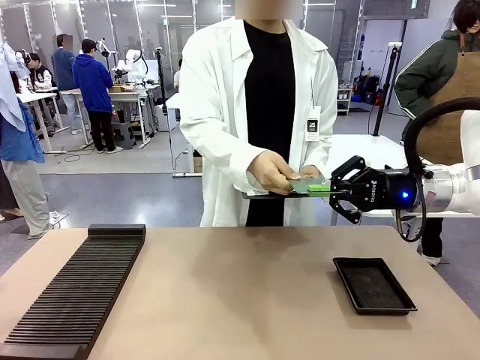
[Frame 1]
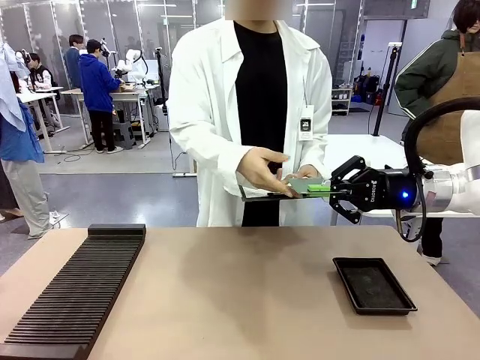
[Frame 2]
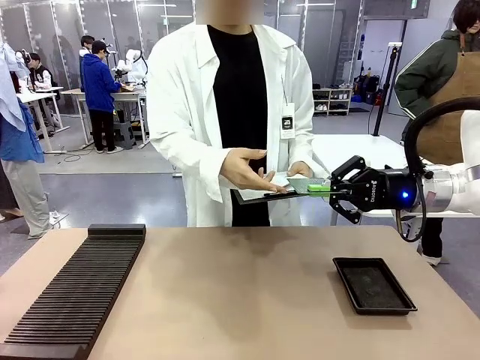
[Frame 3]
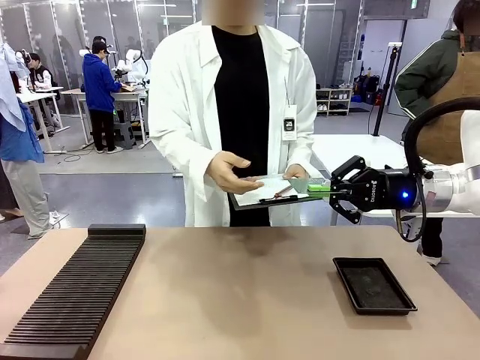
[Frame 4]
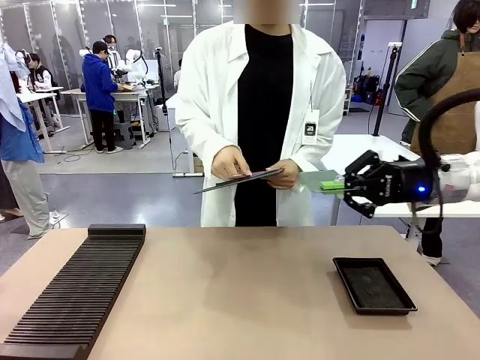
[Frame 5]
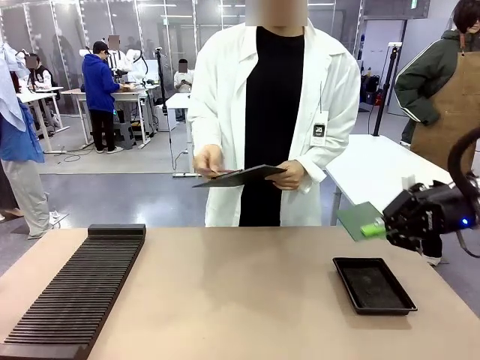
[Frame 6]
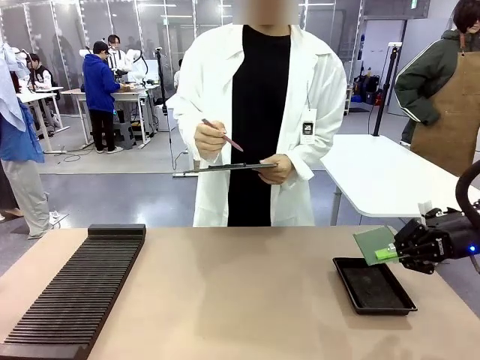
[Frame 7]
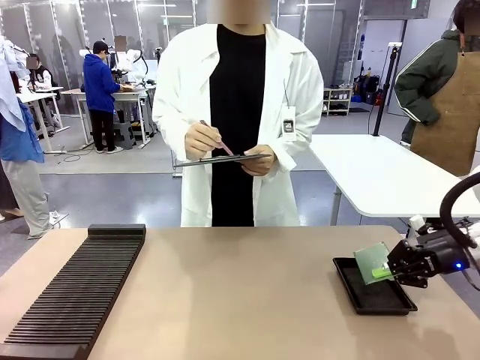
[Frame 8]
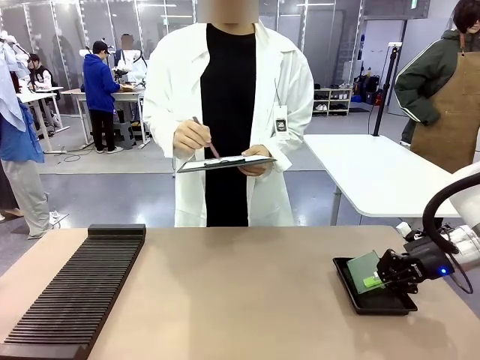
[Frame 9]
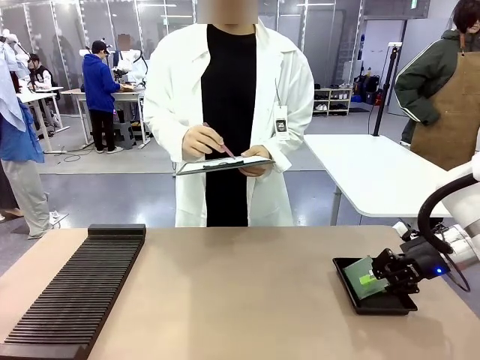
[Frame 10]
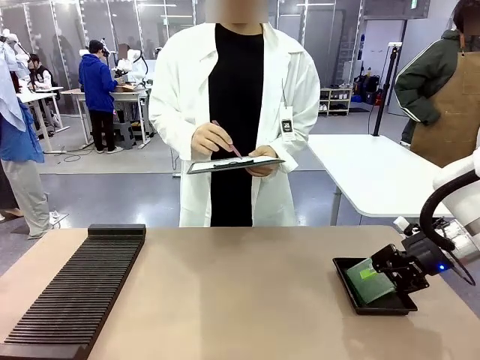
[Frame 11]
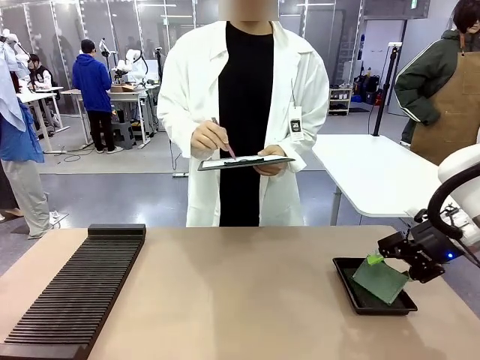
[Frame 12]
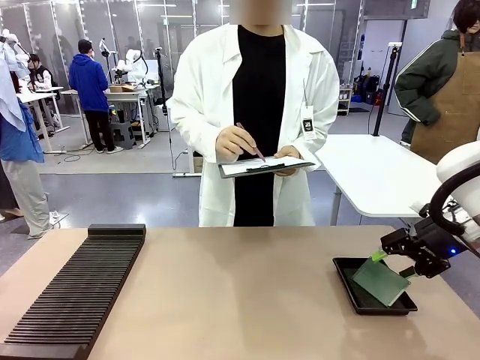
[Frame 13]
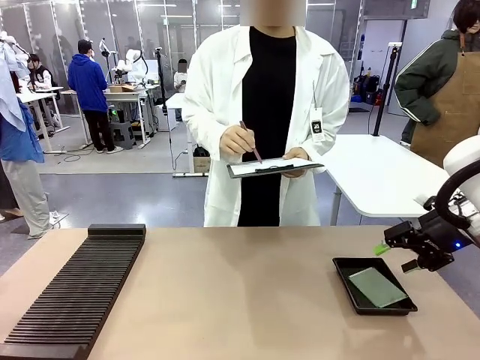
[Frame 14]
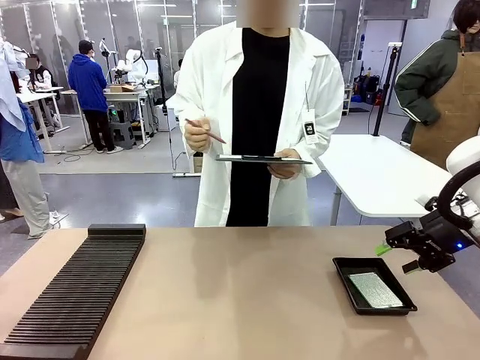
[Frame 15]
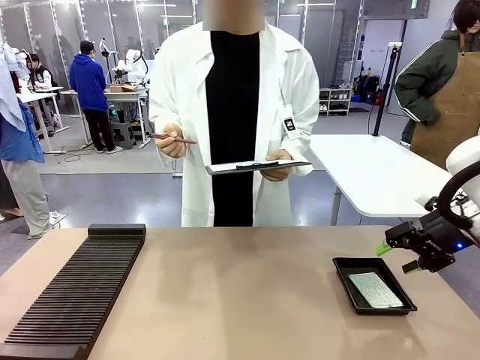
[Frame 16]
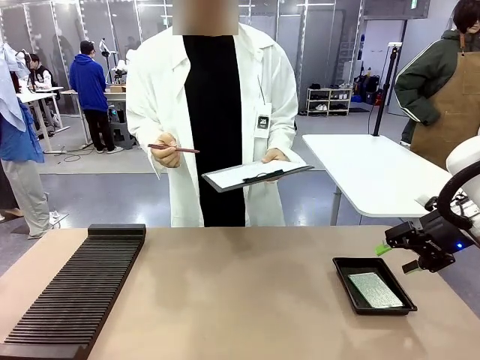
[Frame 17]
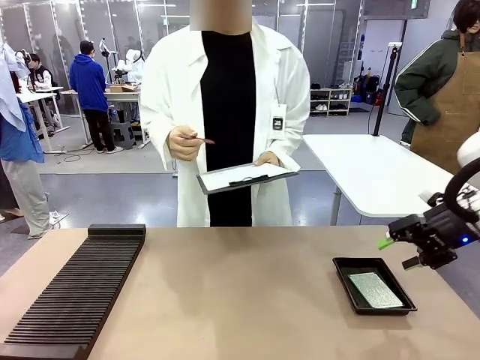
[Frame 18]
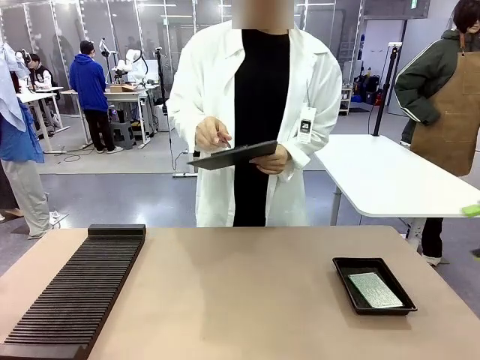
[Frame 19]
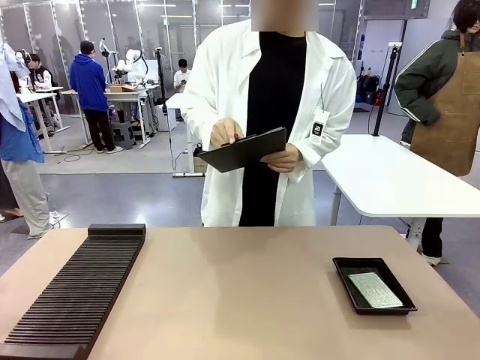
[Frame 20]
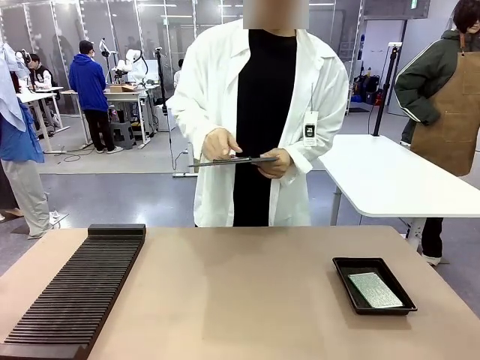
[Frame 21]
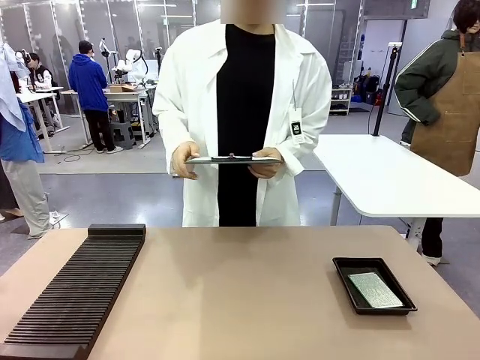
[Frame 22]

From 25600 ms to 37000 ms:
Task: Inspect the PCB.
Robot: Place the Blank PCB in the ESD tray.
Person: Record the PCB status on the paper.

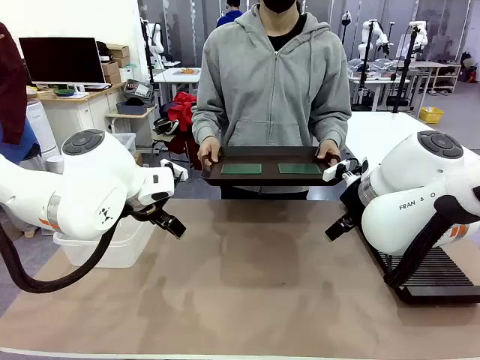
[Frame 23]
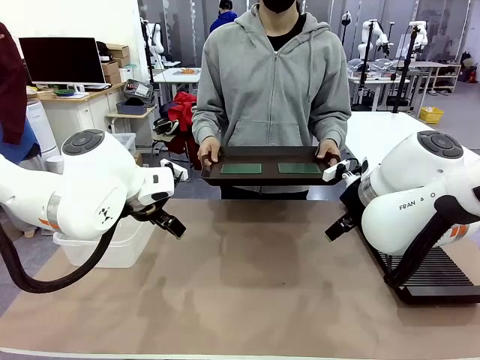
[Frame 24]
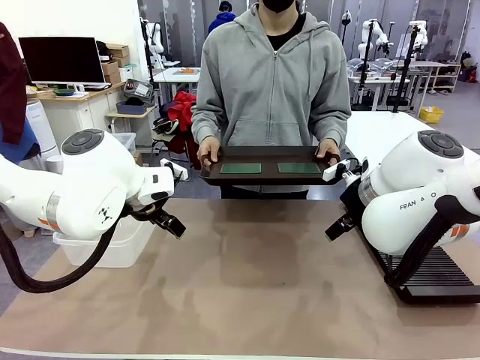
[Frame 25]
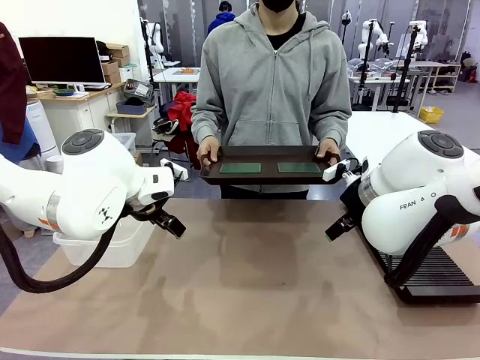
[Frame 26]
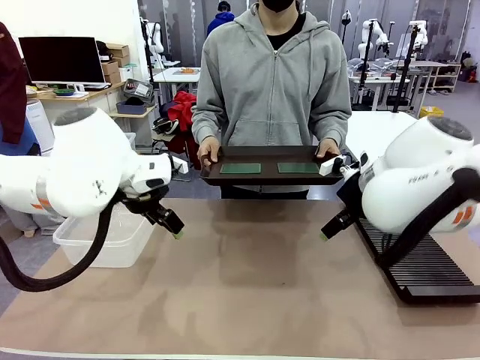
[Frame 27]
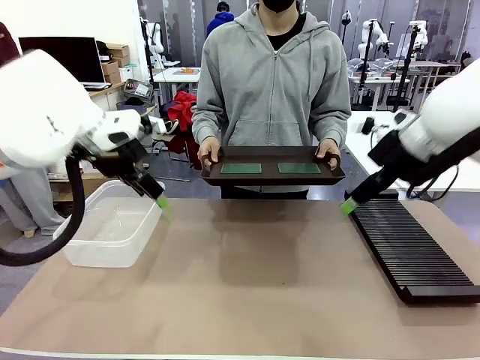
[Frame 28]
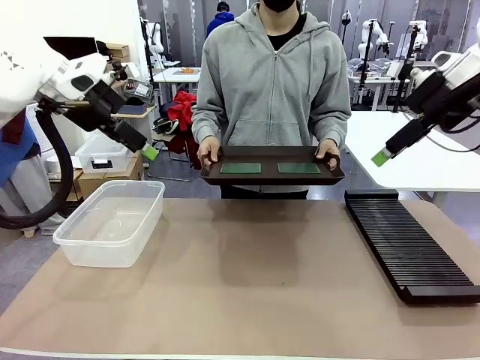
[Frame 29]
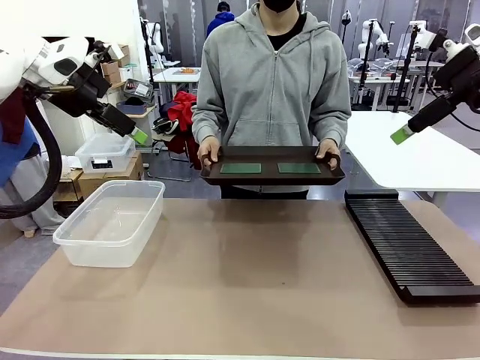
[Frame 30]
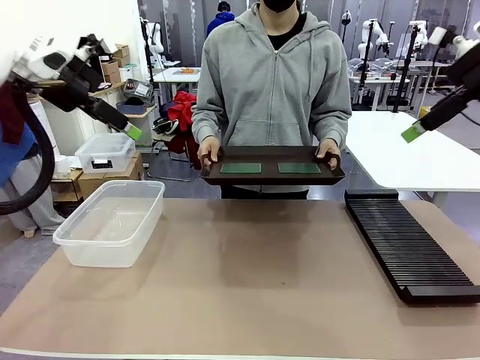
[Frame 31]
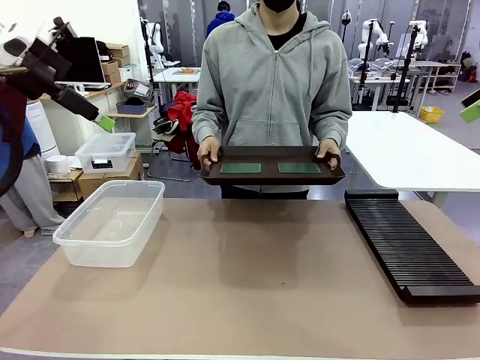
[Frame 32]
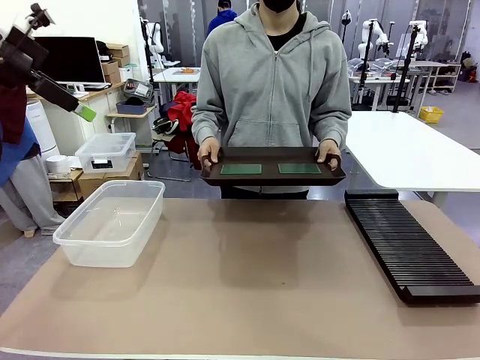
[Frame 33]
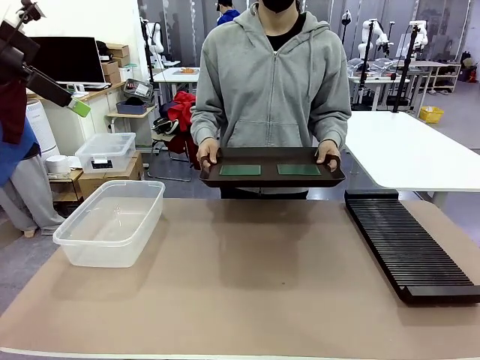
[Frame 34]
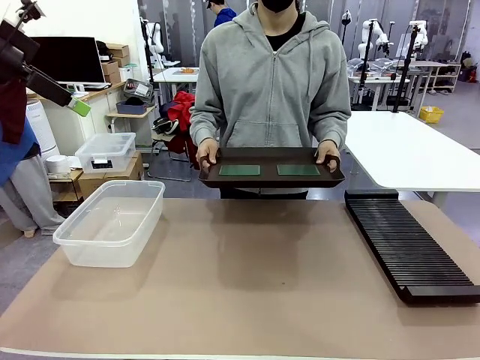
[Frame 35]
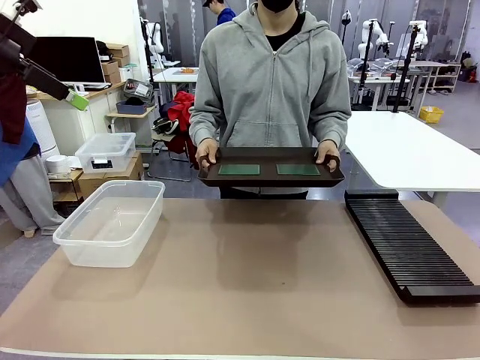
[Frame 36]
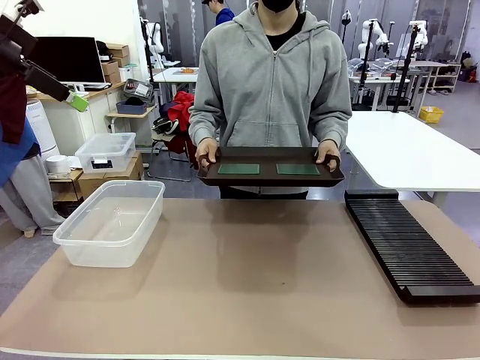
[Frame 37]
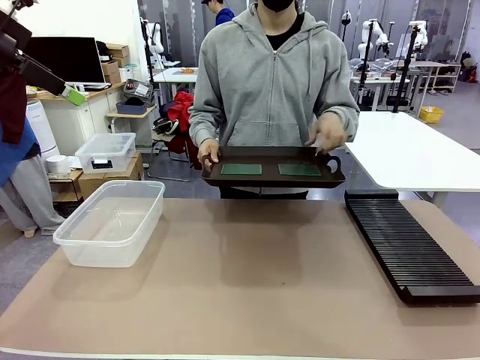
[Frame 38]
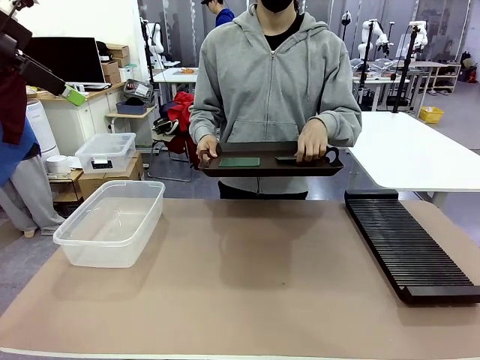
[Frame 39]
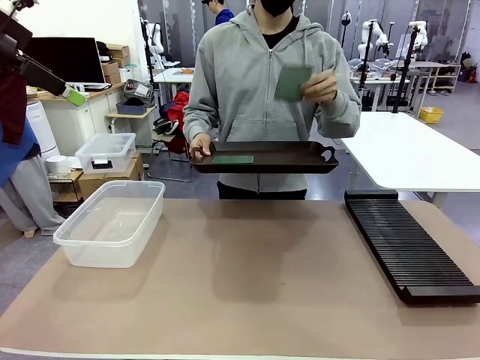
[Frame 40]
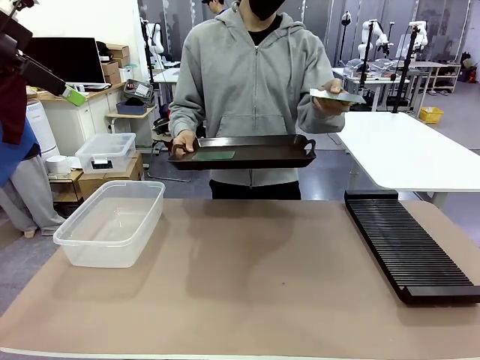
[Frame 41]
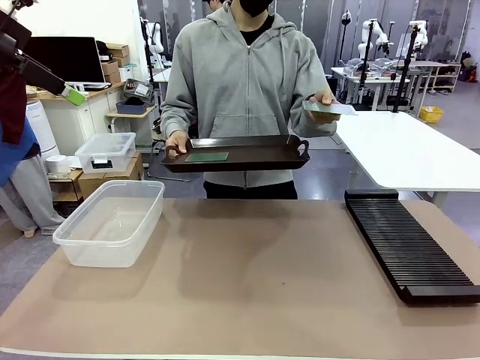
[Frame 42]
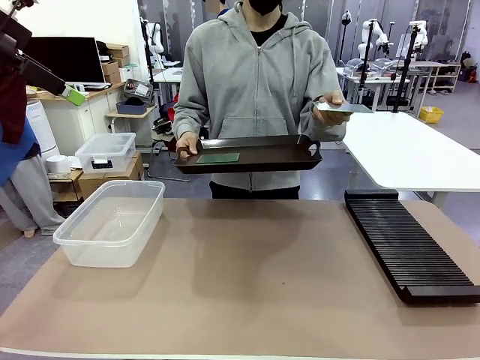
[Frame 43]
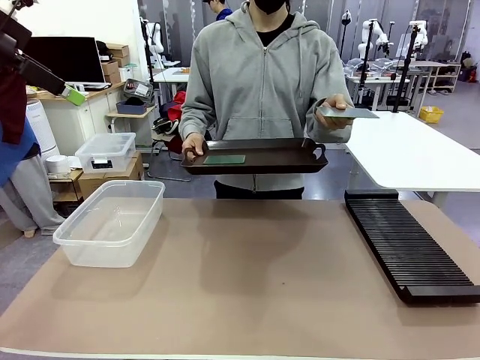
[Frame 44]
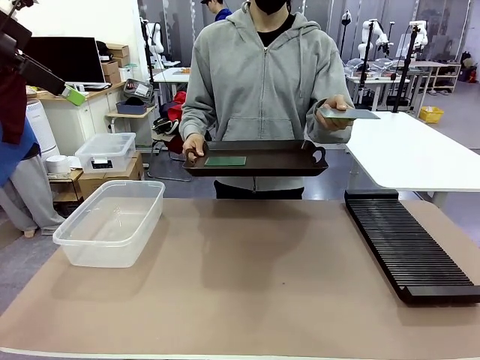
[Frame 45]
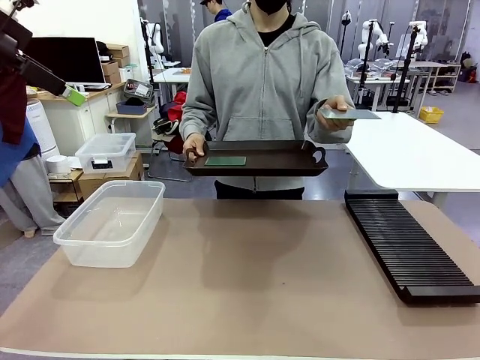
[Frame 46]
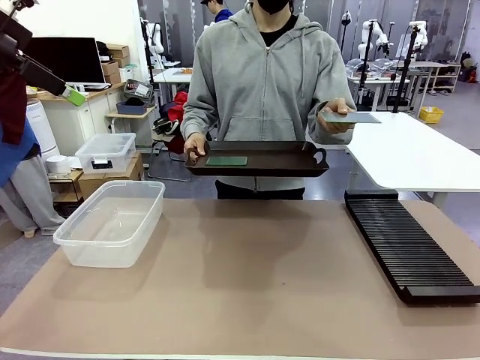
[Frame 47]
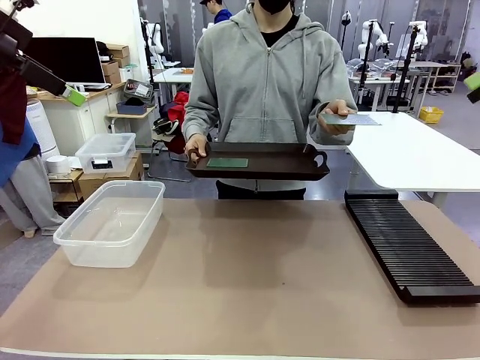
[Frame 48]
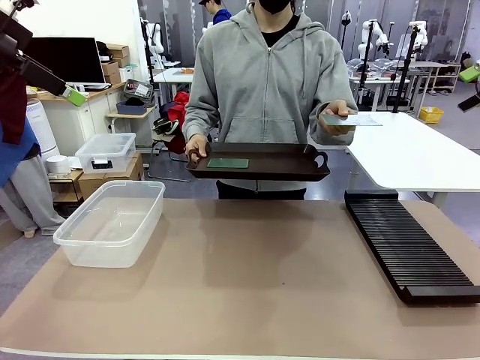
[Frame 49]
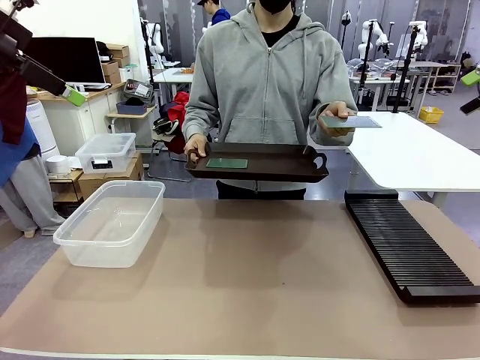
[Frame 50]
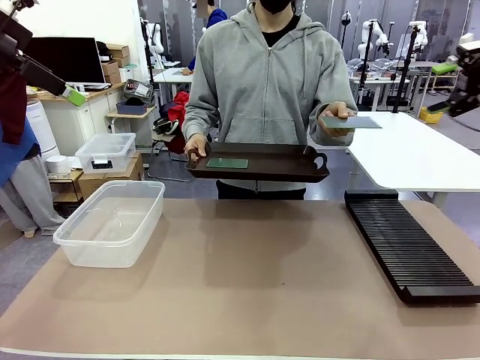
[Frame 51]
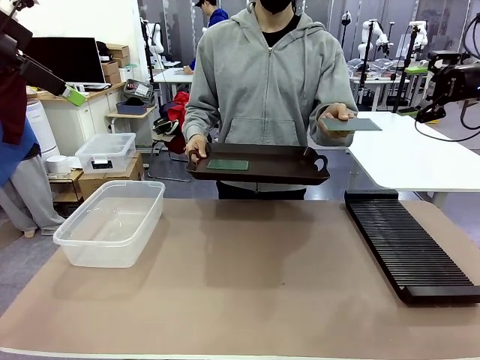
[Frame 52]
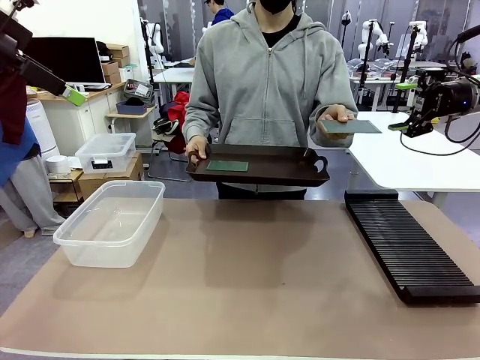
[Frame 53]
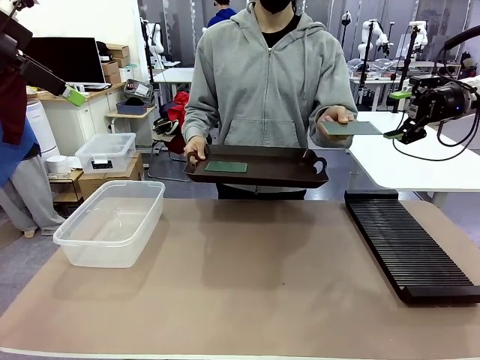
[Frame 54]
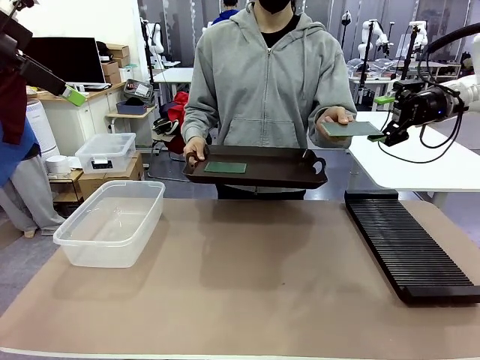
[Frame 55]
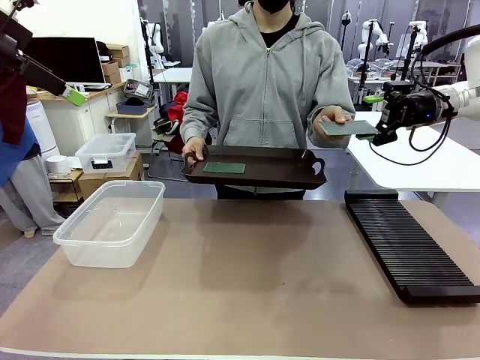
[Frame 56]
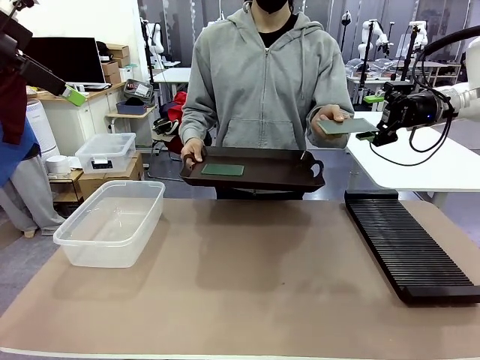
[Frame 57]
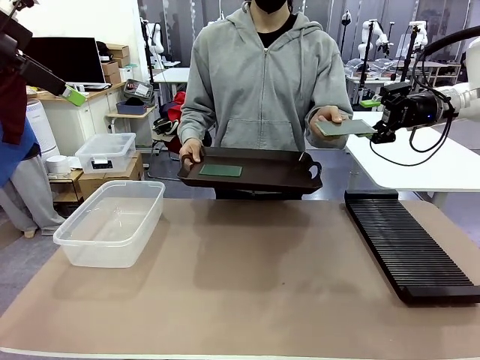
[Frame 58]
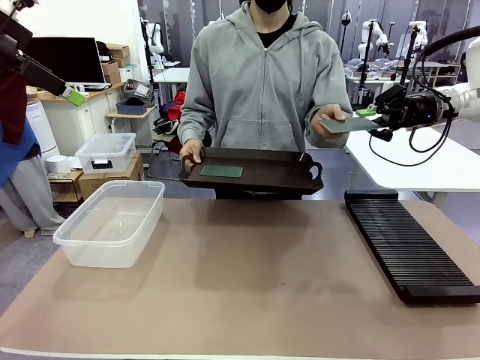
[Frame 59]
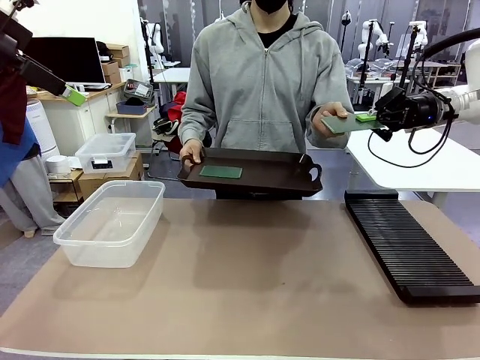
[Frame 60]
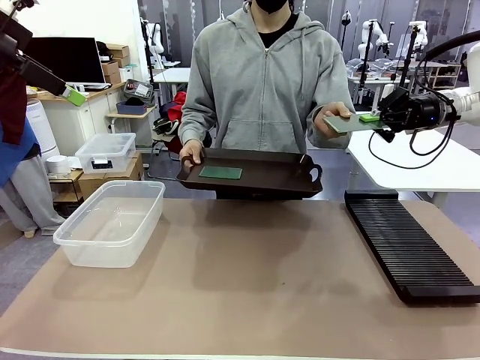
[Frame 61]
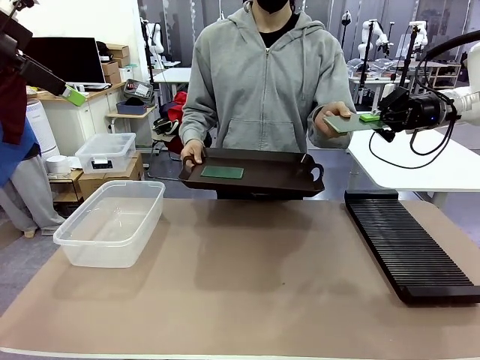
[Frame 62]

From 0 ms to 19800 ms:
Task: Sort PCBs into racks and boxes based on the side picked up.
Robot: Pick up the Blank PCB handed by the Human.
Person: Pick one PCB from the tray and present it to the robot. Release the PCB being held.
